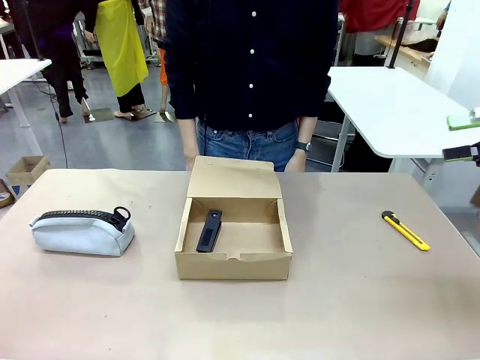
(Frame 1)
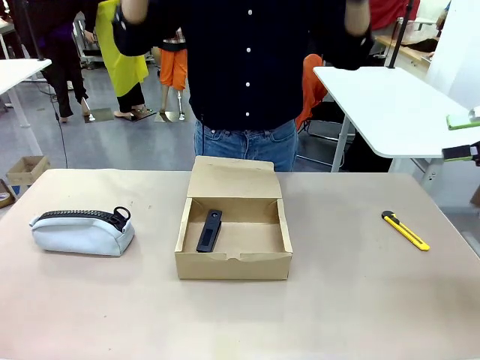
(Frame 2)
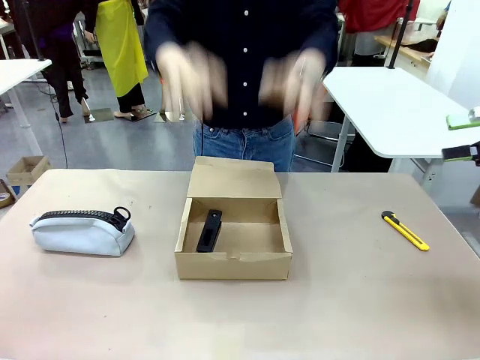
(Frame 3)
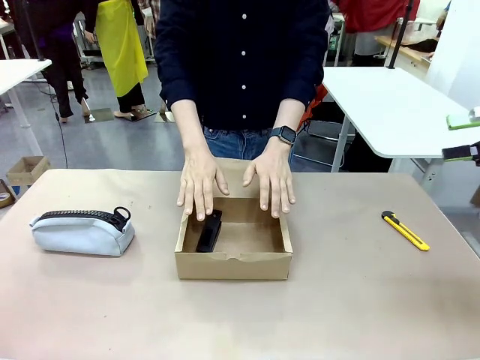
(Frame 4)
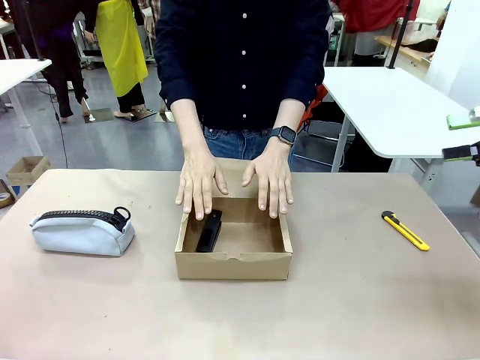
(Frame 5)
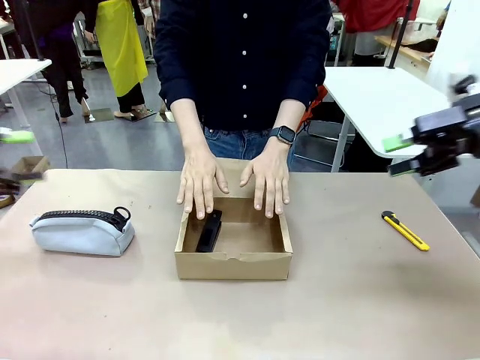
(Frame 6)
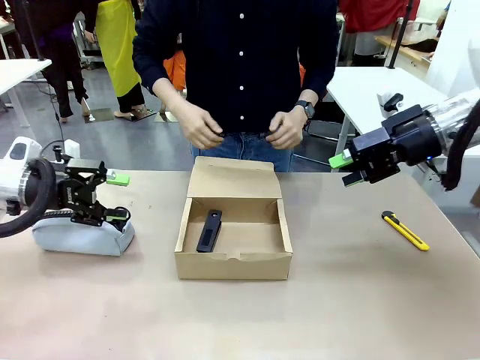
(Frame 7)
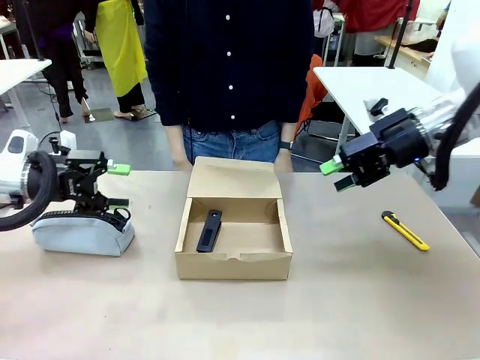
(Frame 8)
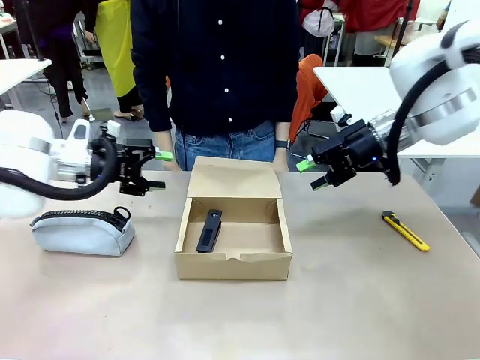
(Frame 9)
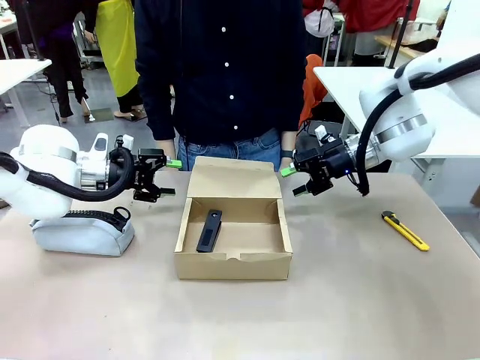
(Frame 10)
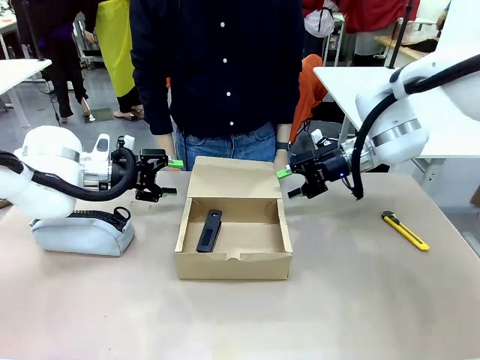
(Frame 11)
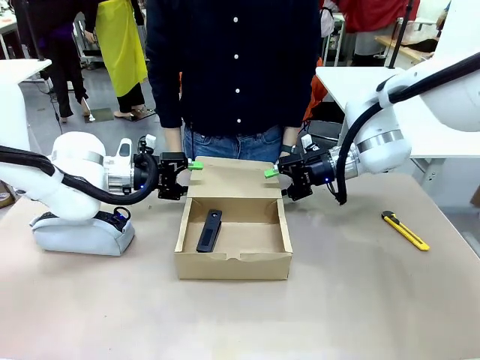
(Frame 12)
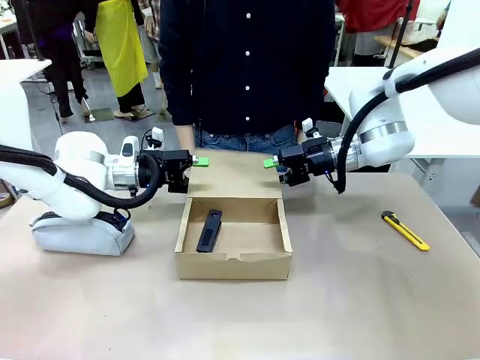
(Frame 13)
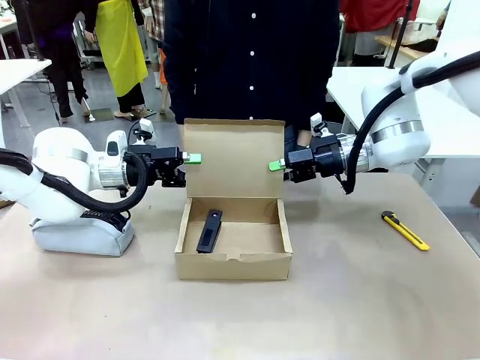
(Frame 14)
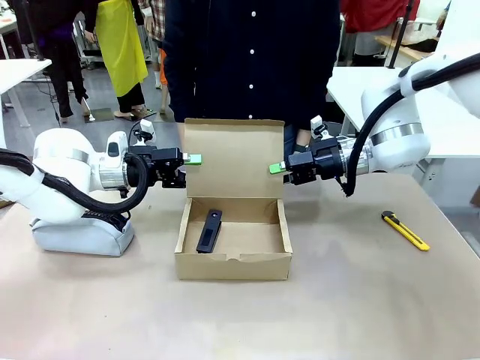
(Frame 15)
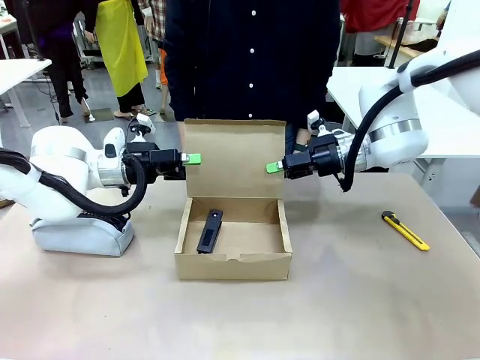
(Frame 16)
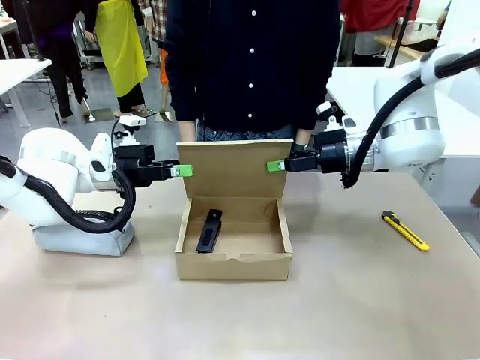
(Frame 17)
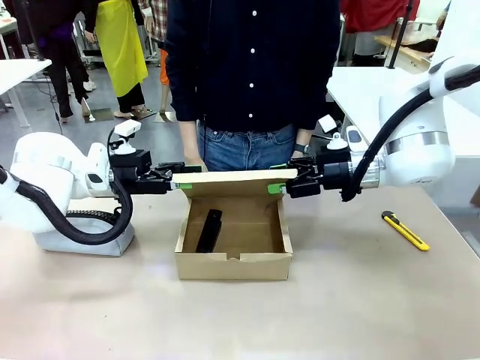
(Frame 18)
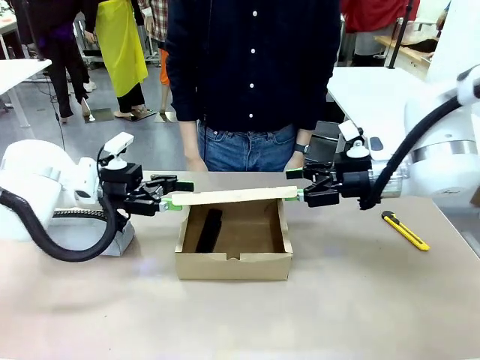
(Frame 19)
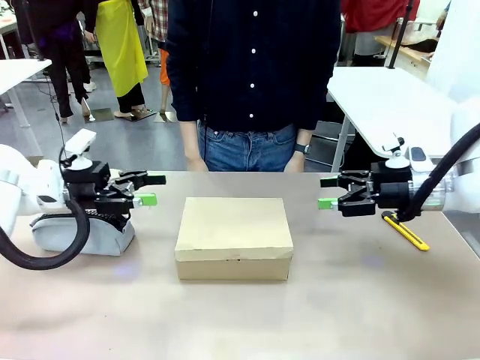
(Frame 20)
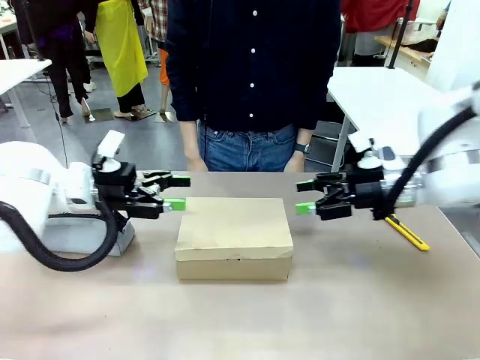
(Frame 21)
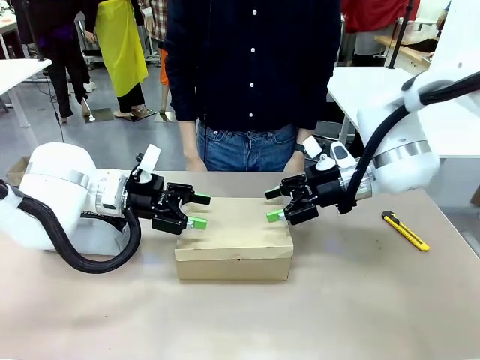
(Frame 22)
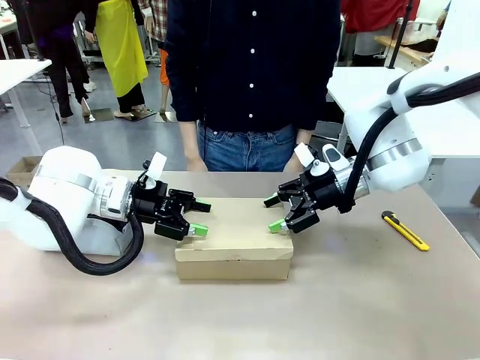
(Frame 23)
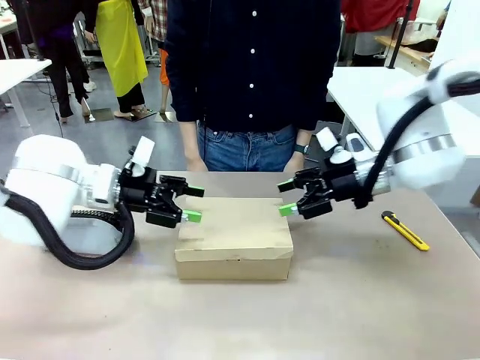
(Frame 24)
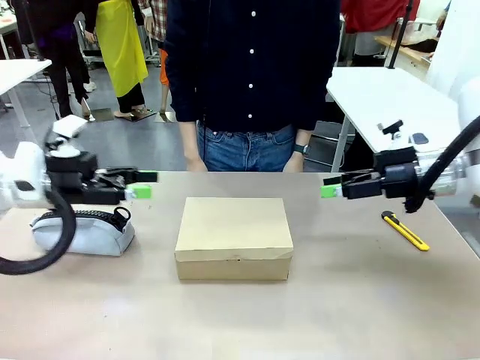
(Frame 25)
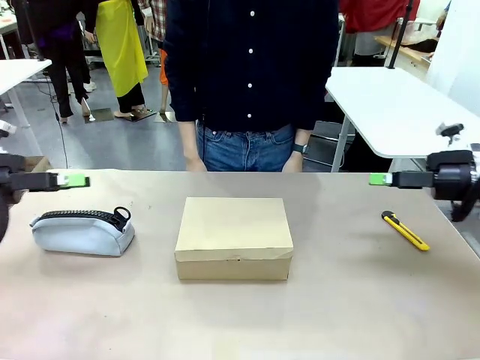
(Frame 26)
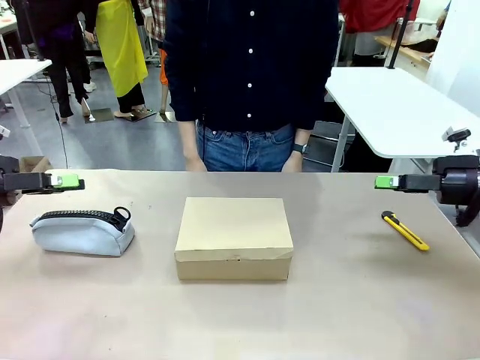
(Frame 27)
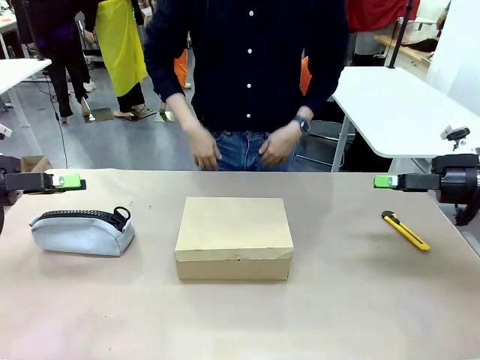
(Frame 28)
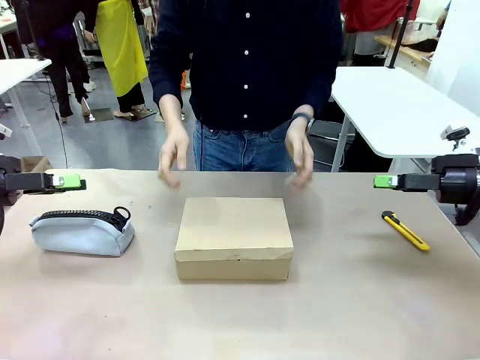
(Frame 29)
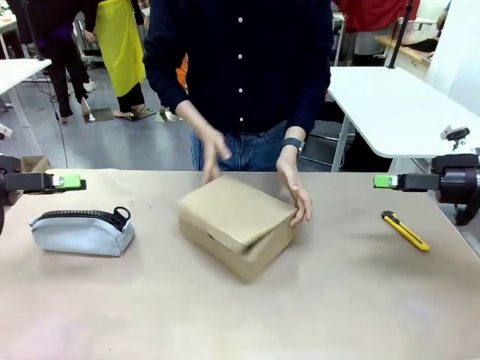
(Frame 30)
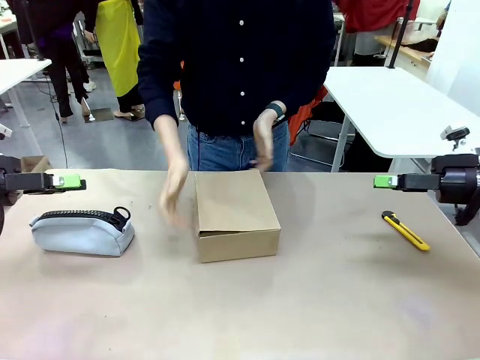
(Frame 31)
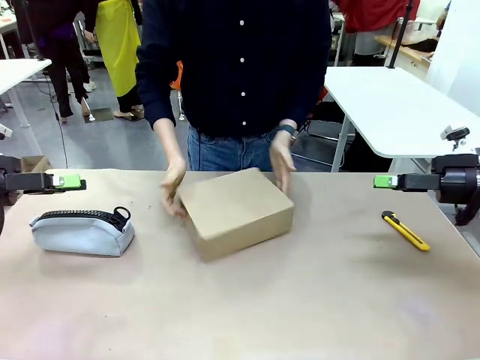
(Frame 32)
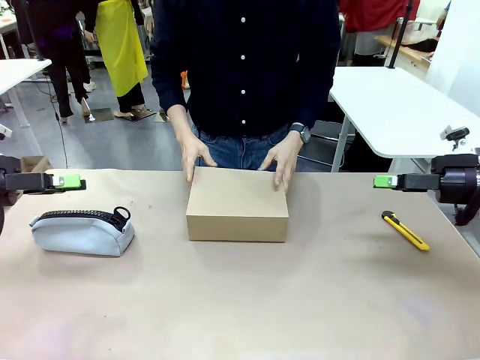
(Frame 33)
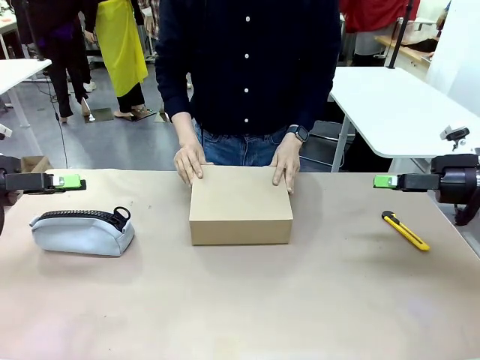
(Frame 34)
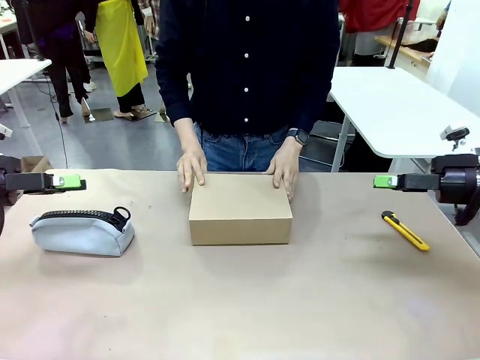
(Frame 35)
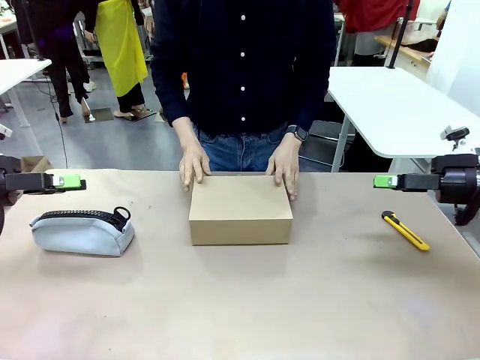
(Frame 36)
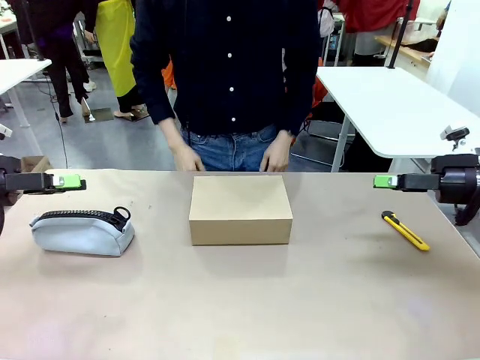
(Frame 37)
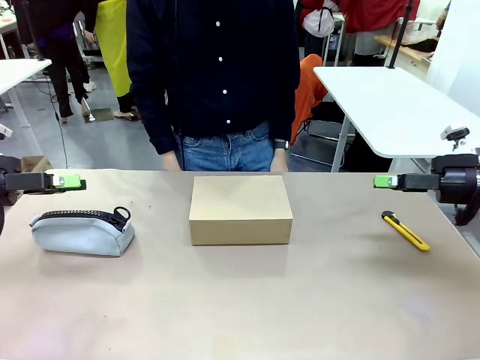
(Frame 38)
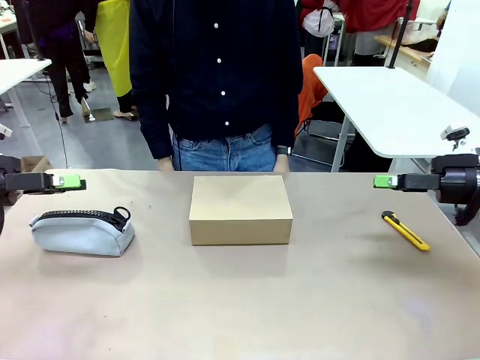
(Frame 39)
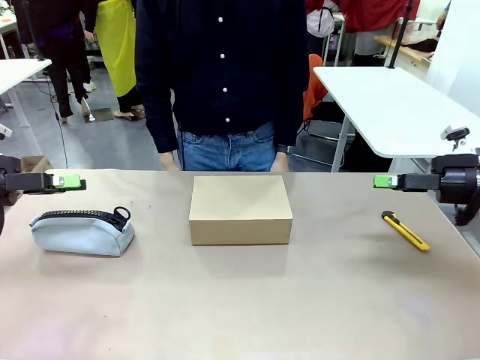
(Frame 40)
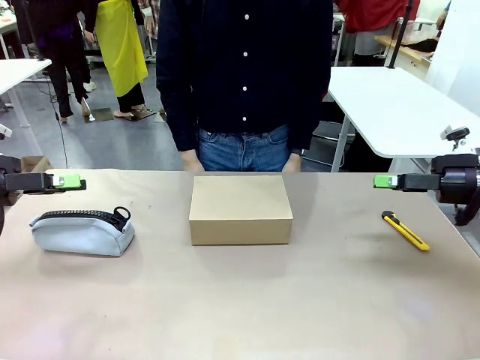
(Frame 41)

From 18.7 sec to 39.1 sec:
Task: Pack the item into the box.
Robot: Close the Mailer Box.
Person: Turn the box and lock it.
